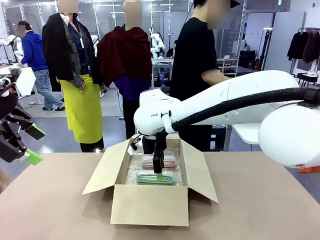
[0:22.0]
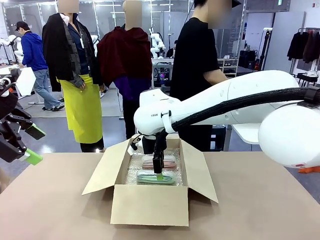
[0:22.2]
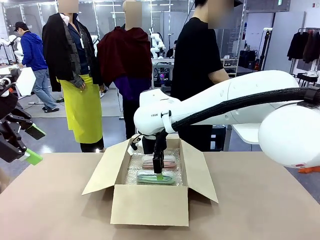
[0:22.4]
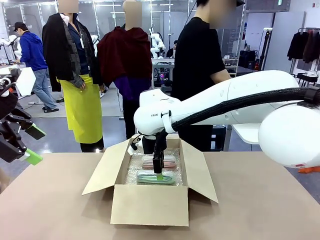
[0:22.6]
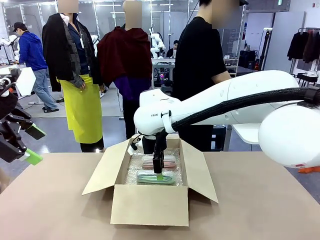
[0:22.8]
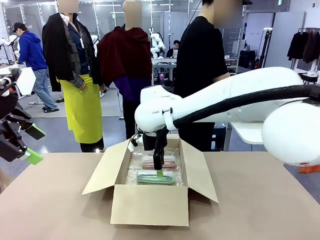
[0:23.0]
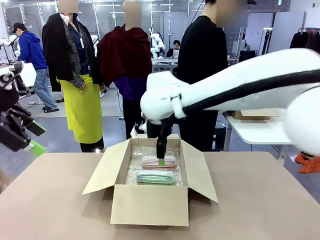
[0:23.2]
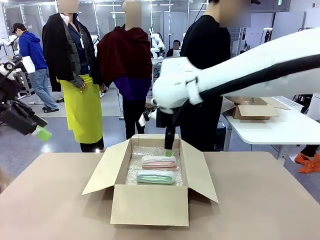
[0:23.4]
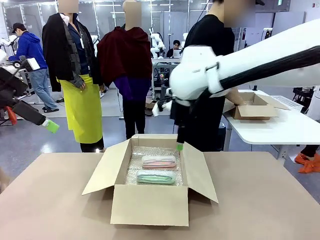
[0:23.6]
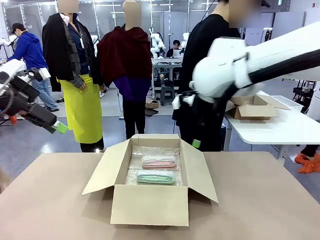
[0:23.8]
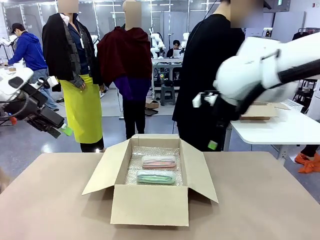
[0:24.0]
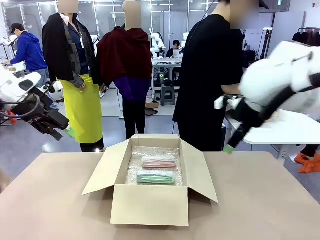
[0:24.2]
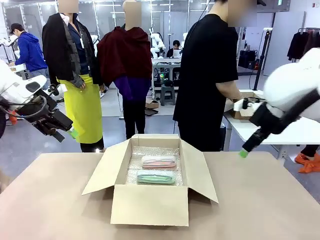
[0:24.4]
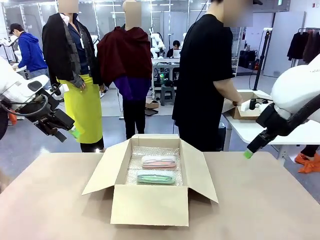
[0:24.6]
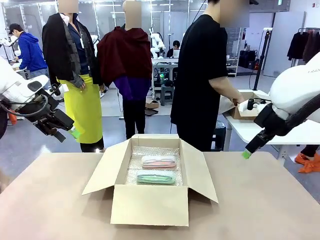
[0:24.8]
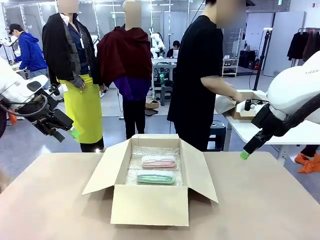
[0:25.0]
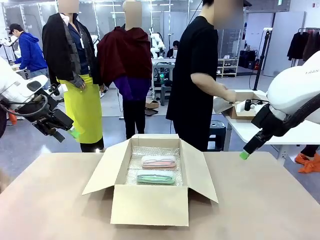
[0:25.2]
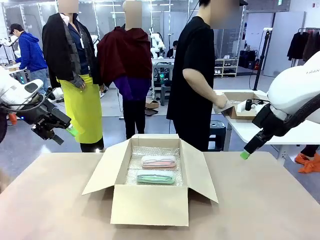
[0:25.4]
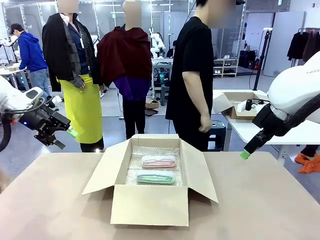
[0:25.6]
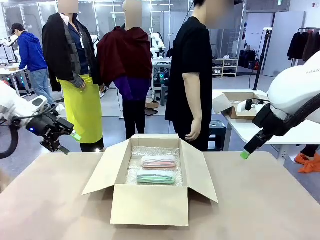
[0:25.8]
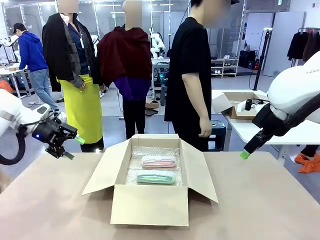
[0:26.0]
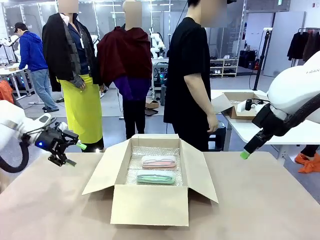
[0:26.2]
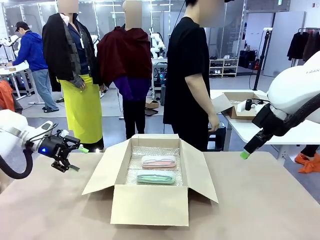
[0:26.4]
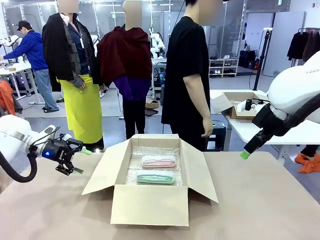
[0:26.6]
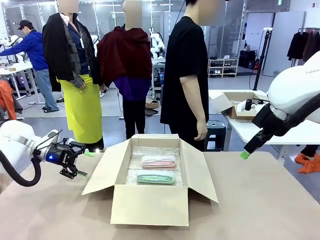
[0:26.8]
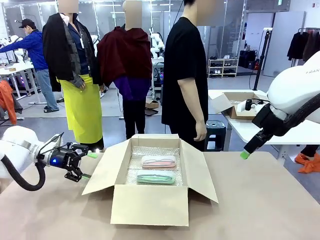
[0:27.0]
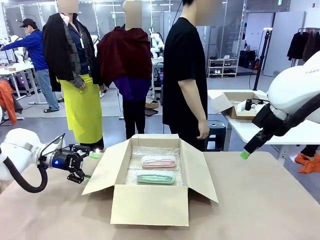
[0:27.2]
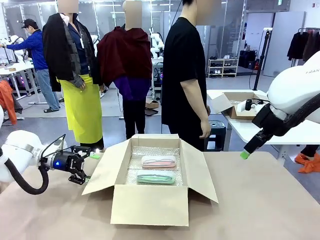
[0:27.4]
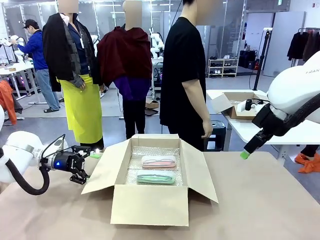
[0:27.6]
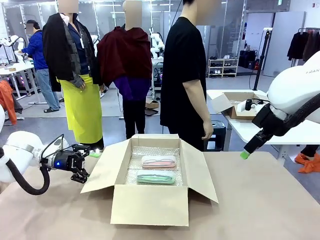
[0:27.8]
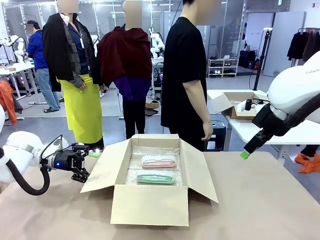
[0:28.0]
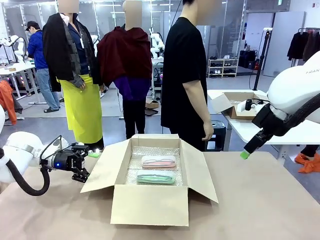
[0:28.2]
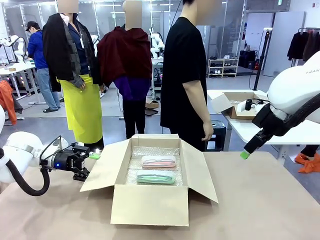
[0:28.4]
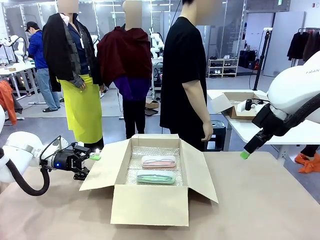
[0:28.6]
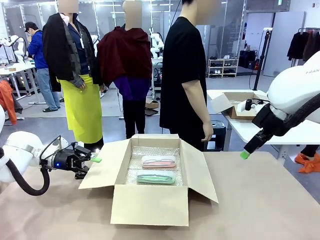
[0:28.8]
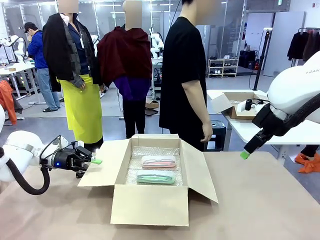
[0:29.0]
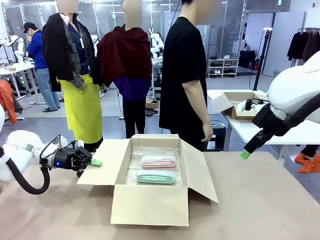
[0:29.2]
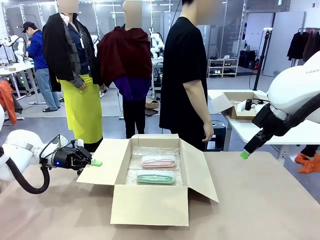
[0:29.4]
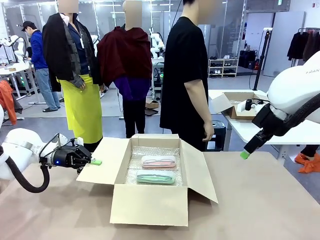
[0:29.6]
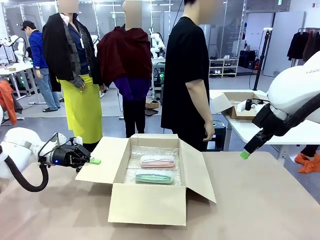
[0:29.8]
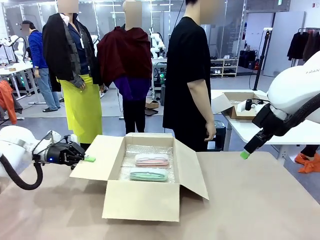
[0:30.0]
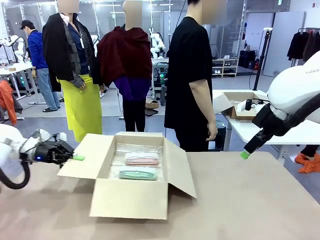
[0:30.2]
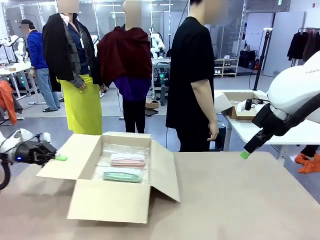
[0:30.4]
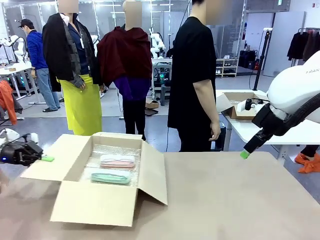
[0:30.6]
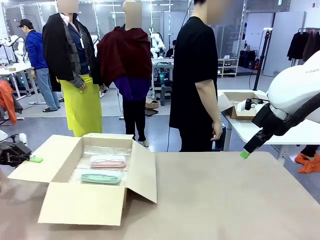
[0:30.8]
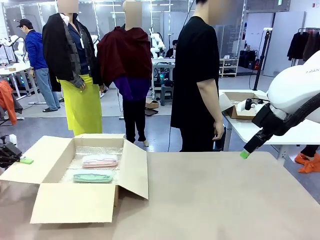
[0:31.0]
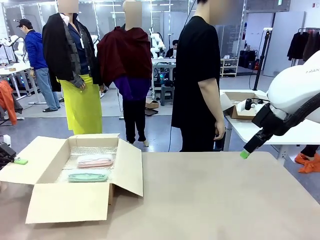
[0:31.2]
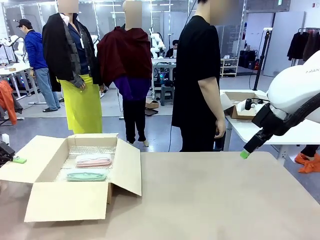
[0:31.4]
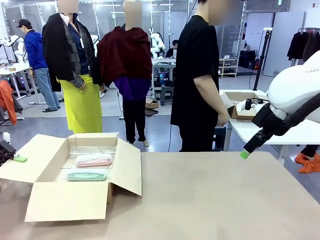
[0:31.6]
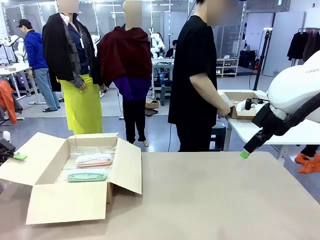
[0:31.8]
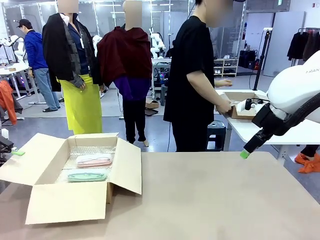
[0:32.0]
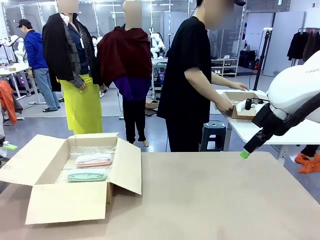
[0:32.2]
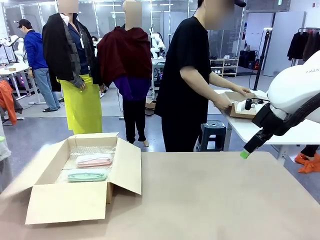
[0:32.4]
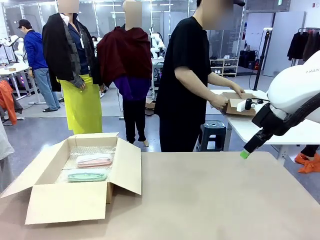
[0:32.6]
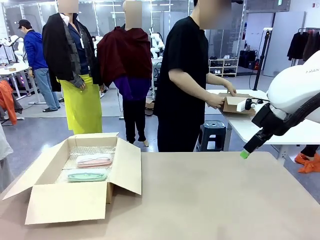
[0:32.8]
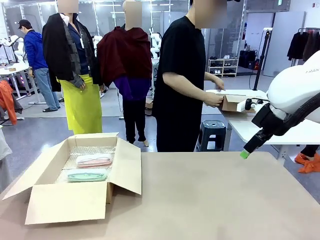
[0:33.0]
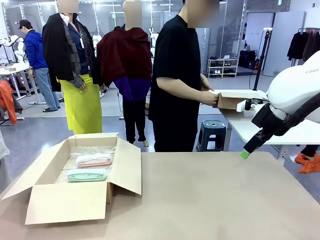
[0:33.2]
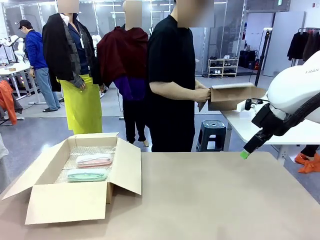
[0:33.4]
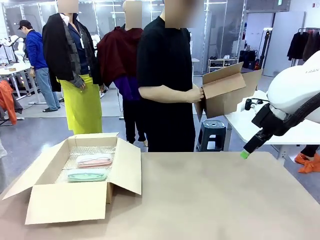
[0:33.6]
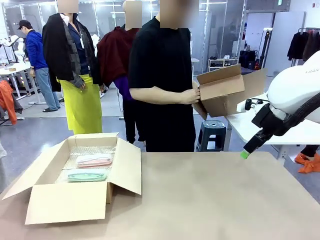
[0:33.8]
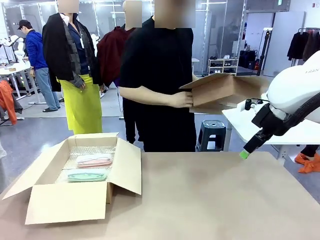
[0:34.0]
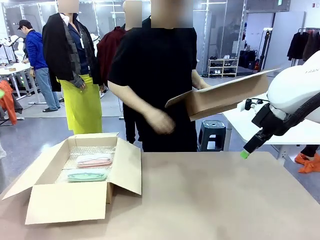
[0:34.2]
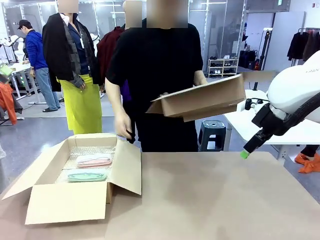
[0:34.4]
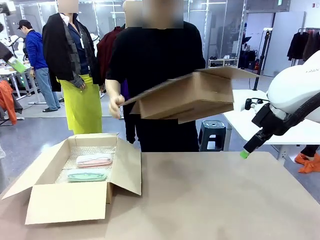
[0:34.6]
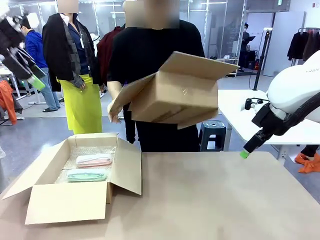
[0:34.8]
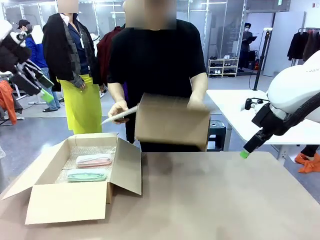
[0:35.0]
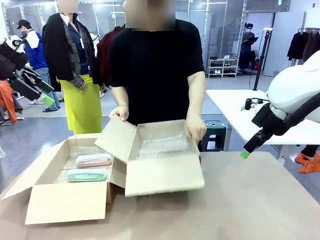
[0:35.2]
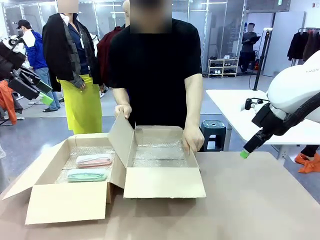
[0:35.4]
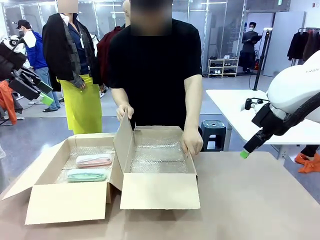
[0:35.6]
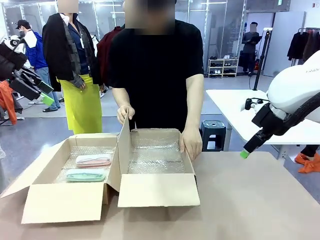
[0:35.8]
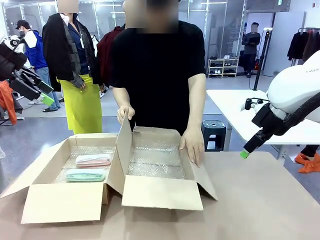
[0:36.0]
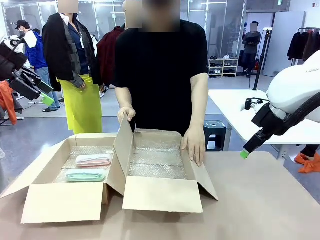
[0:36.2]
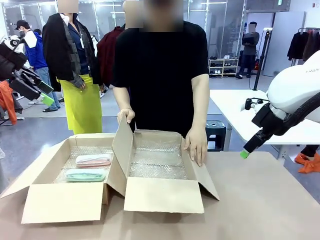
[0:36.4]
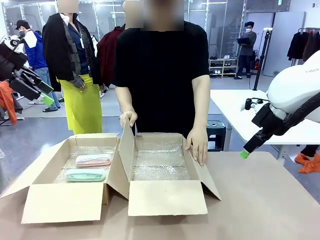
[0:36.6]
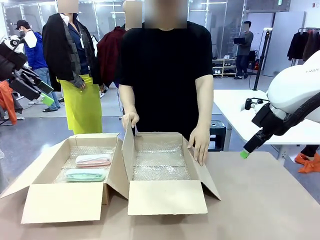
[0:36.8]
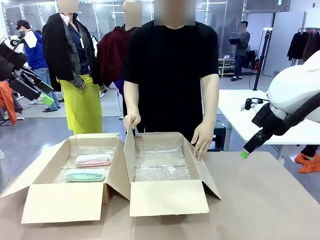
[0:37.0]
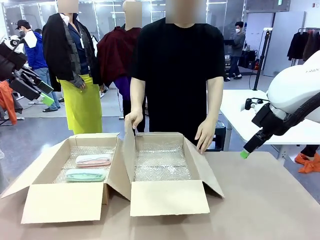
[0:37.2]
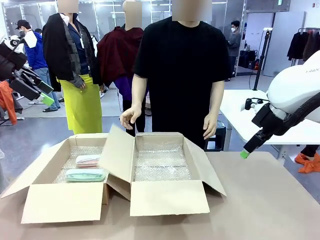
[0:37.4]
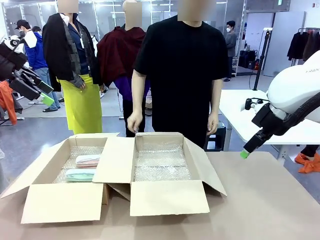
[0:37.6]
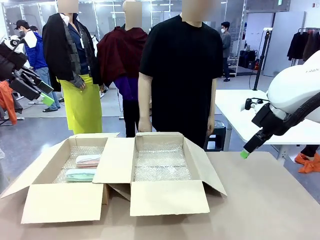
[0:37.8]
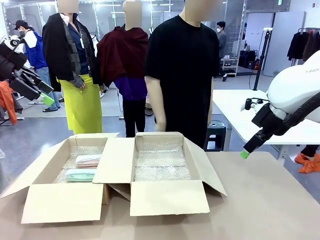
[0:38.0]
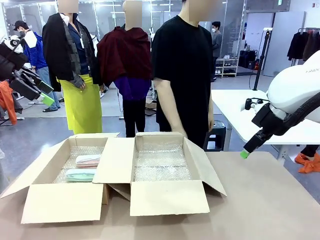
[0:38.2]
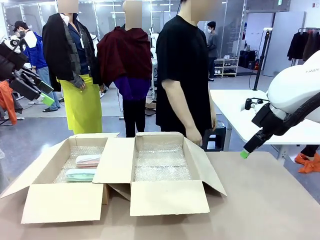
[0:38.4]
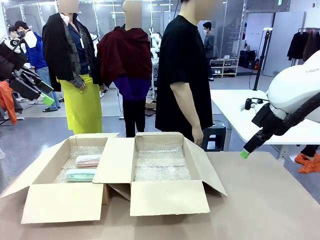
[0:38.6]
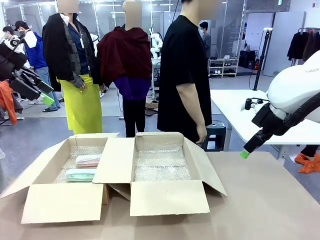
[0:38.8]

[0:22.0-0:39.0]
Task: Pack the glasses set securely to prepare it for shipping.
Robot: Position the Package Box on the left side of the table.
Person: Position the empty Package Box in the middle of the robot's table.
